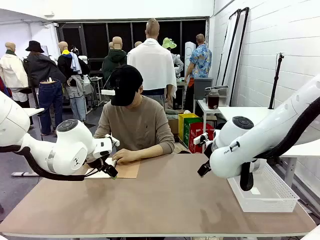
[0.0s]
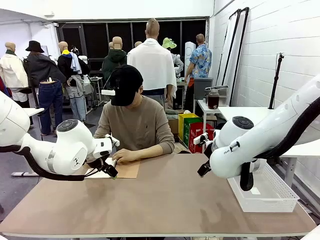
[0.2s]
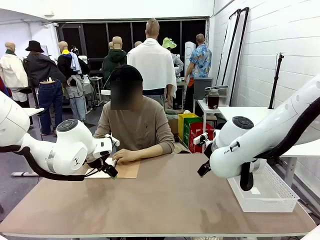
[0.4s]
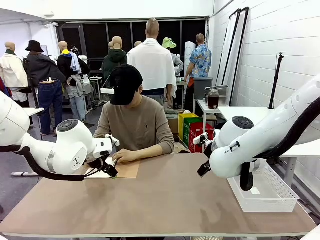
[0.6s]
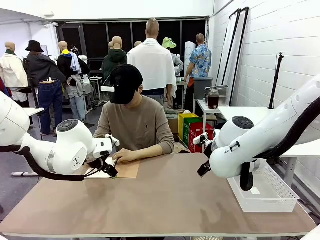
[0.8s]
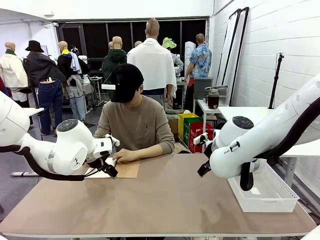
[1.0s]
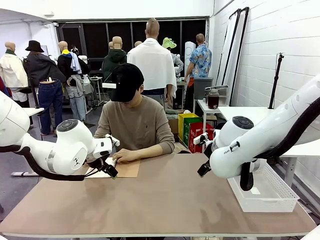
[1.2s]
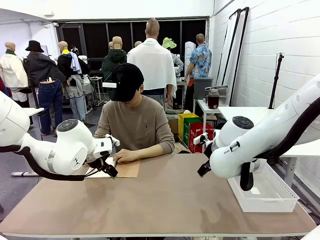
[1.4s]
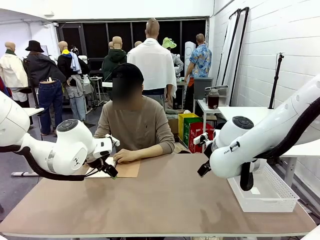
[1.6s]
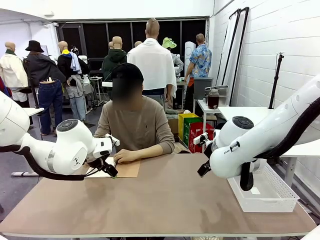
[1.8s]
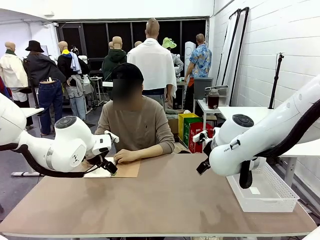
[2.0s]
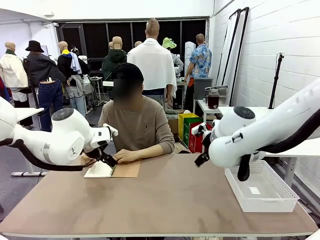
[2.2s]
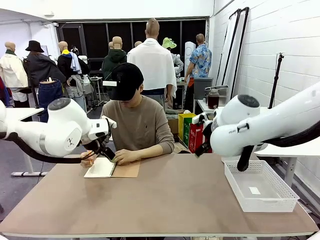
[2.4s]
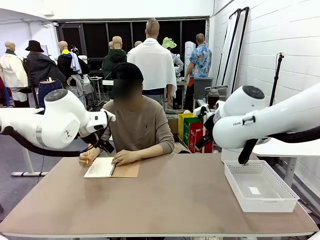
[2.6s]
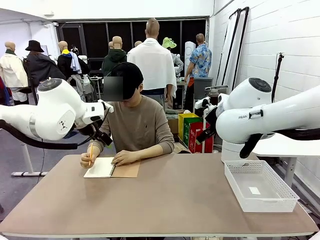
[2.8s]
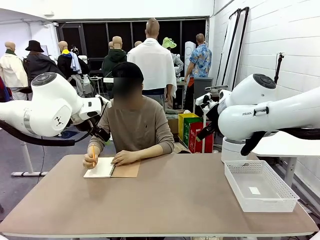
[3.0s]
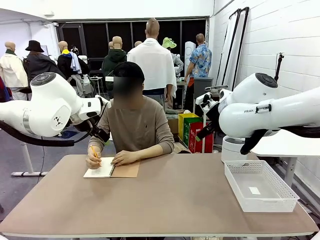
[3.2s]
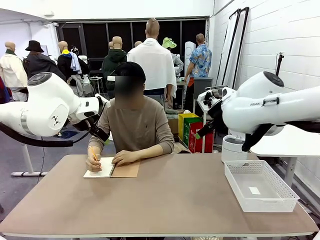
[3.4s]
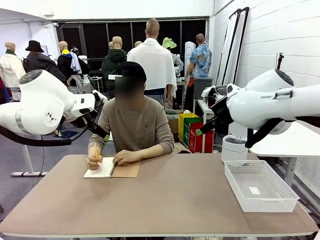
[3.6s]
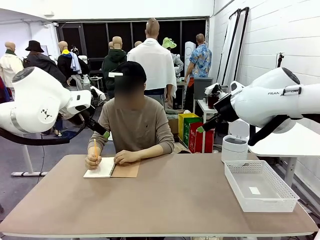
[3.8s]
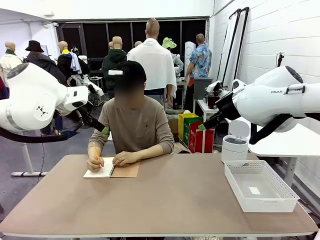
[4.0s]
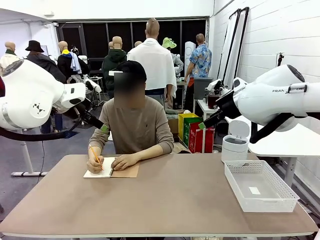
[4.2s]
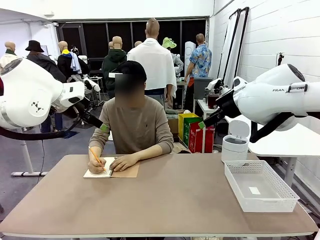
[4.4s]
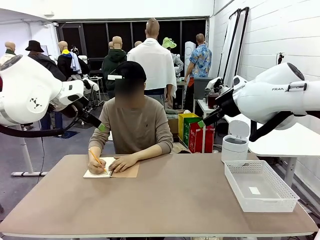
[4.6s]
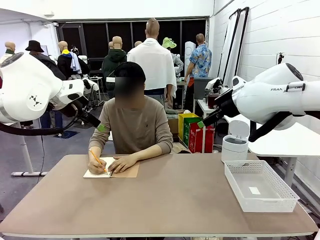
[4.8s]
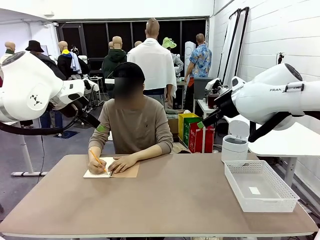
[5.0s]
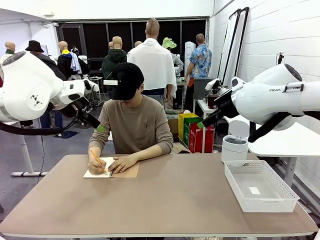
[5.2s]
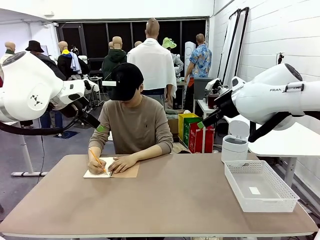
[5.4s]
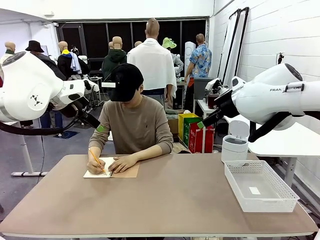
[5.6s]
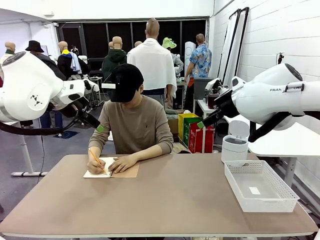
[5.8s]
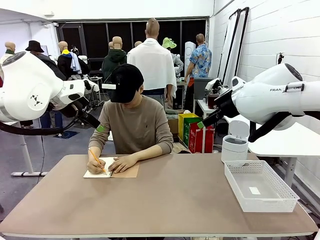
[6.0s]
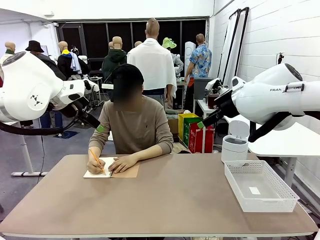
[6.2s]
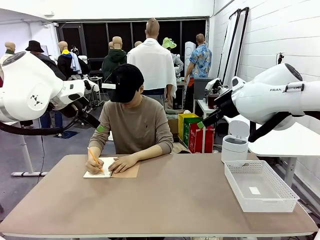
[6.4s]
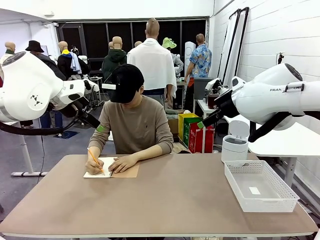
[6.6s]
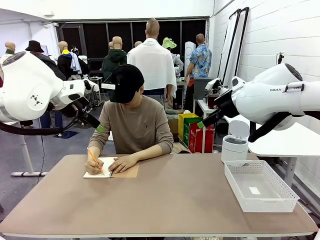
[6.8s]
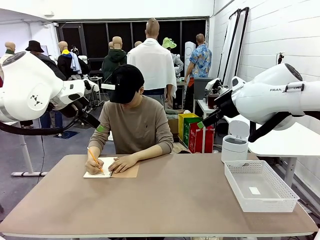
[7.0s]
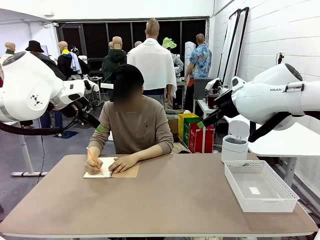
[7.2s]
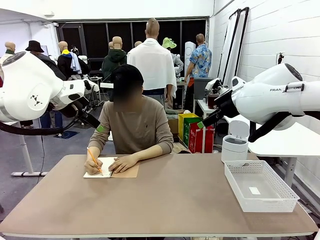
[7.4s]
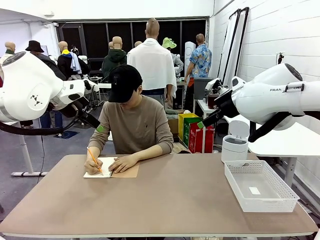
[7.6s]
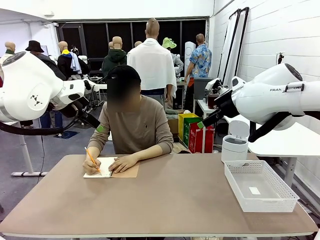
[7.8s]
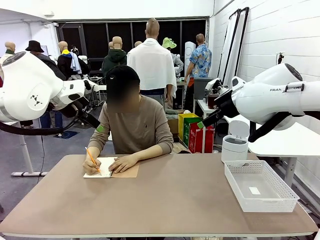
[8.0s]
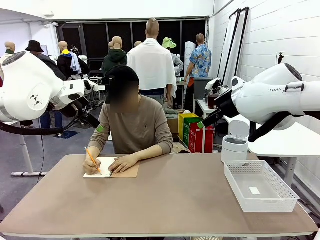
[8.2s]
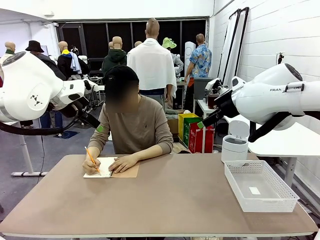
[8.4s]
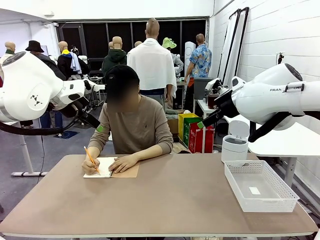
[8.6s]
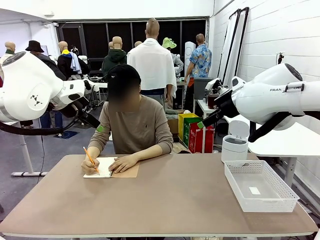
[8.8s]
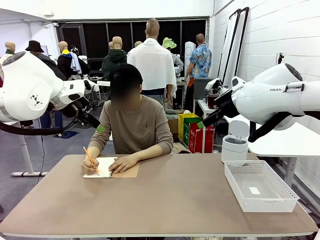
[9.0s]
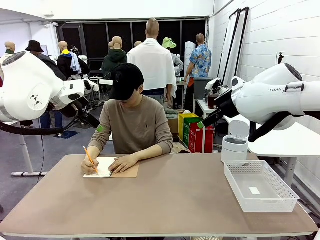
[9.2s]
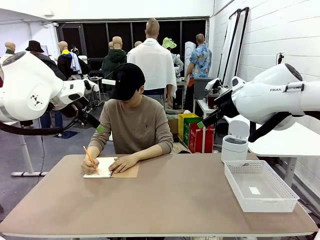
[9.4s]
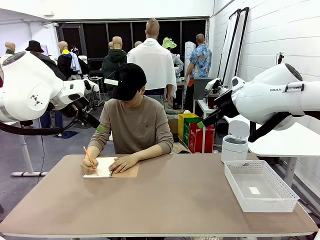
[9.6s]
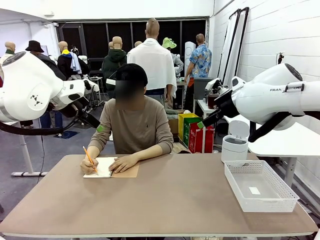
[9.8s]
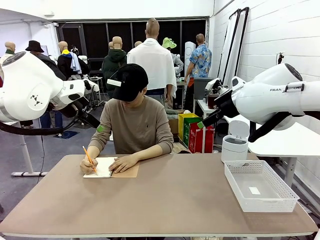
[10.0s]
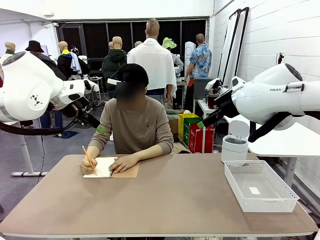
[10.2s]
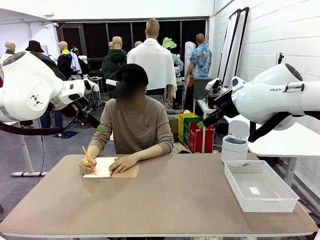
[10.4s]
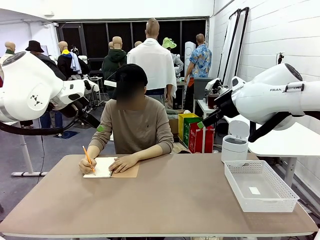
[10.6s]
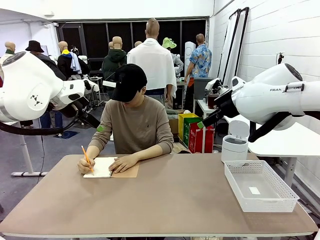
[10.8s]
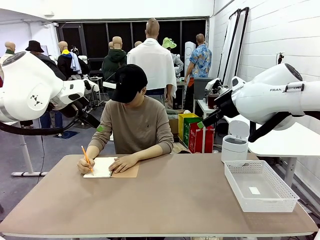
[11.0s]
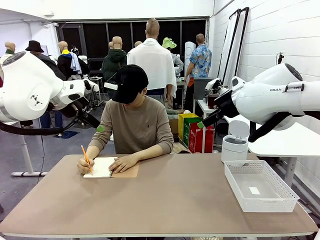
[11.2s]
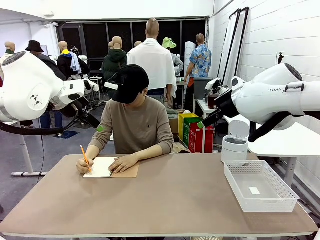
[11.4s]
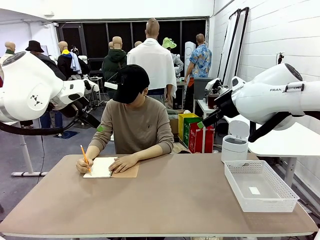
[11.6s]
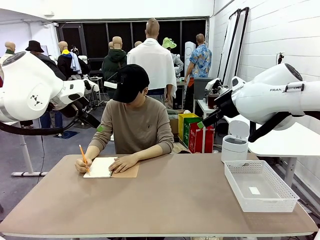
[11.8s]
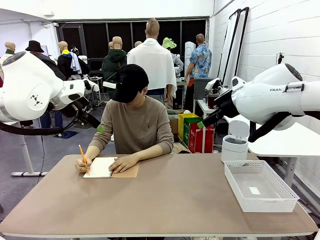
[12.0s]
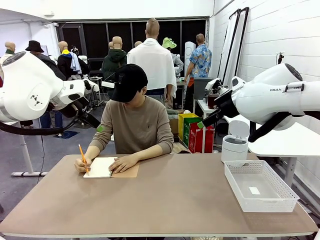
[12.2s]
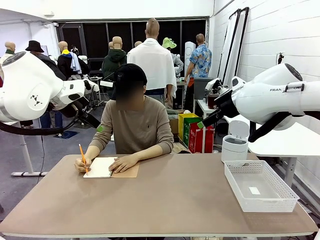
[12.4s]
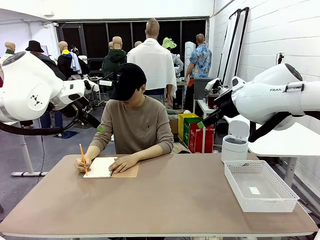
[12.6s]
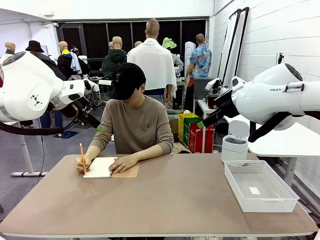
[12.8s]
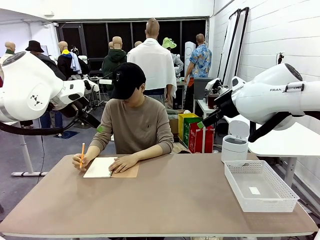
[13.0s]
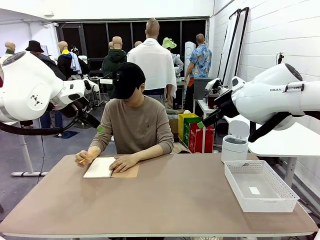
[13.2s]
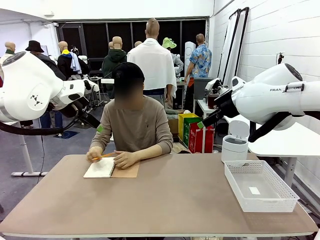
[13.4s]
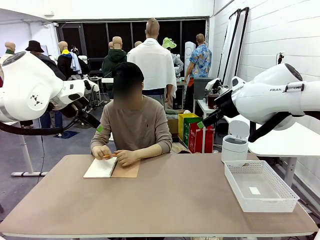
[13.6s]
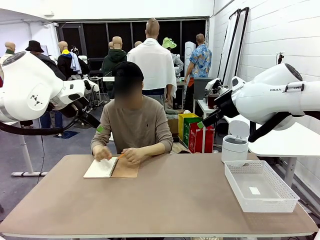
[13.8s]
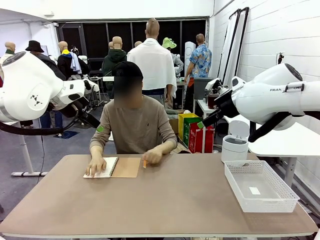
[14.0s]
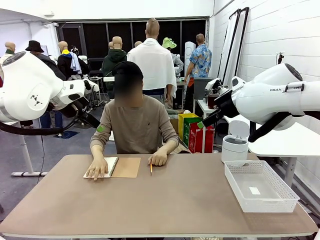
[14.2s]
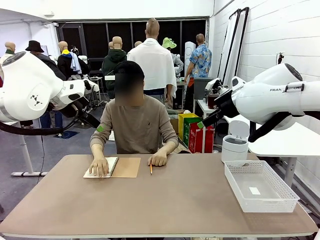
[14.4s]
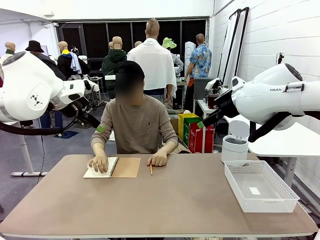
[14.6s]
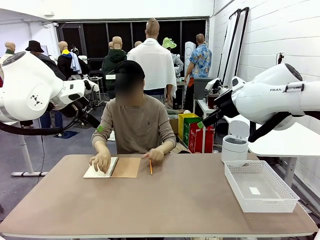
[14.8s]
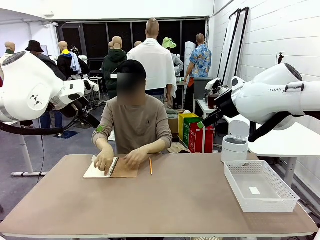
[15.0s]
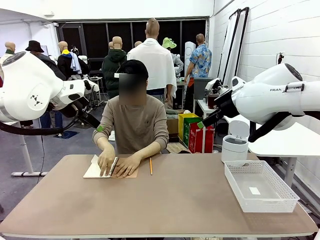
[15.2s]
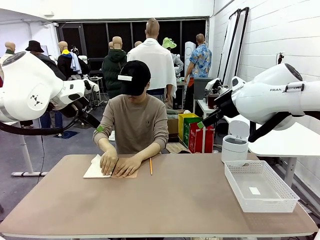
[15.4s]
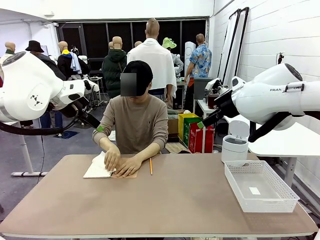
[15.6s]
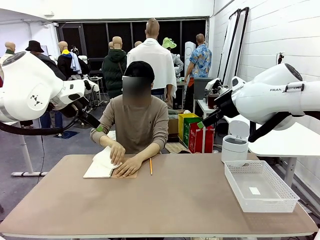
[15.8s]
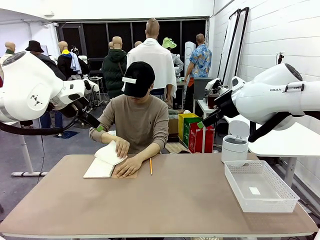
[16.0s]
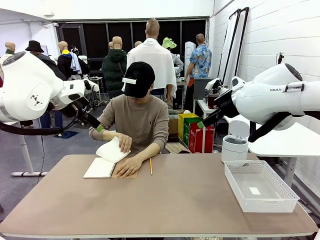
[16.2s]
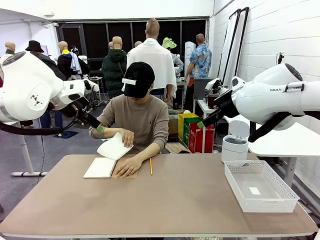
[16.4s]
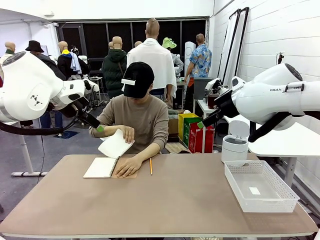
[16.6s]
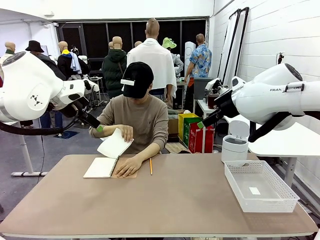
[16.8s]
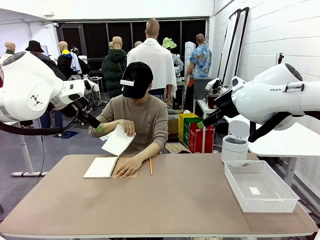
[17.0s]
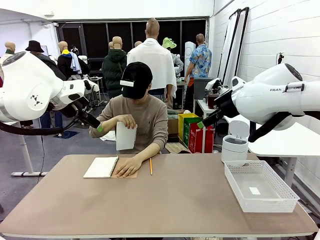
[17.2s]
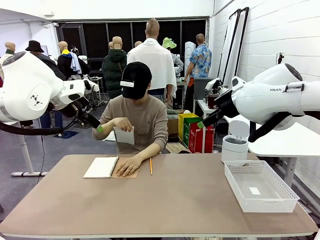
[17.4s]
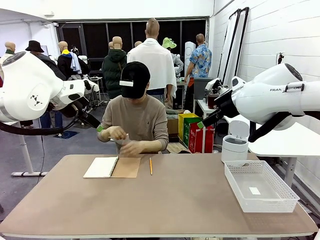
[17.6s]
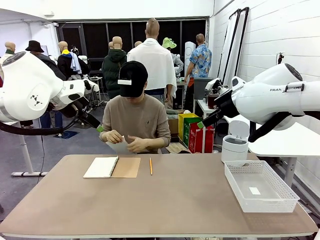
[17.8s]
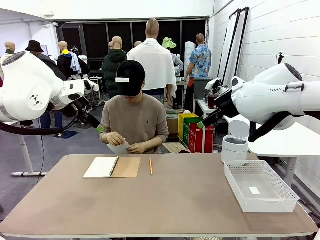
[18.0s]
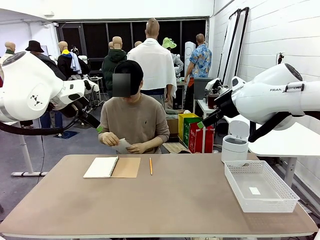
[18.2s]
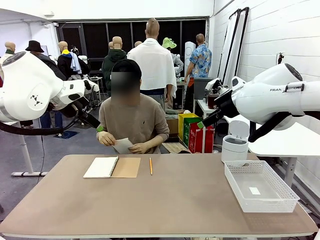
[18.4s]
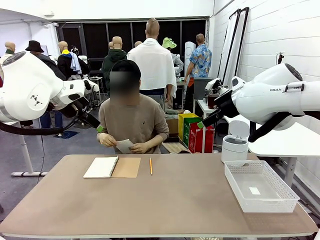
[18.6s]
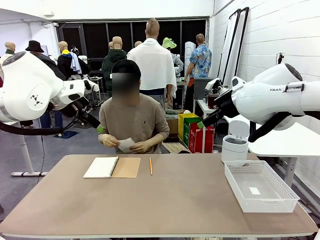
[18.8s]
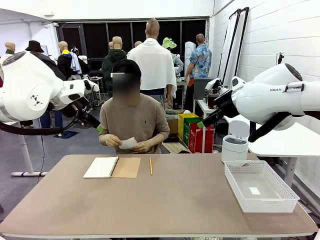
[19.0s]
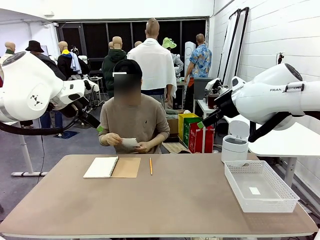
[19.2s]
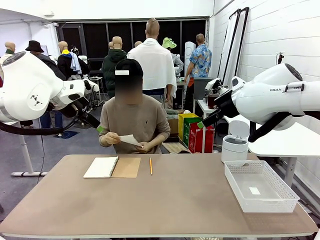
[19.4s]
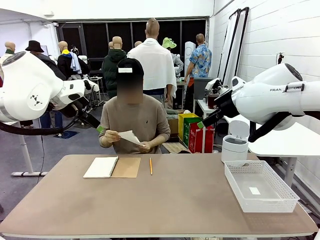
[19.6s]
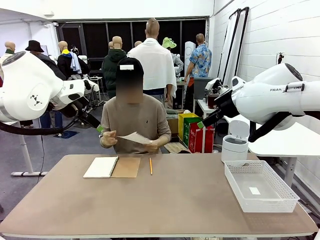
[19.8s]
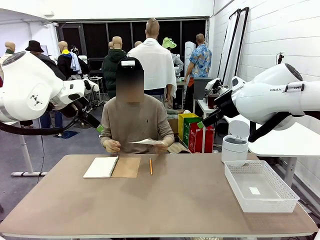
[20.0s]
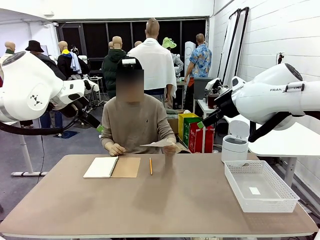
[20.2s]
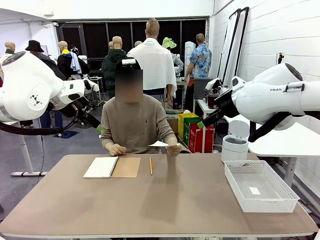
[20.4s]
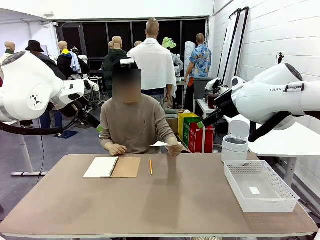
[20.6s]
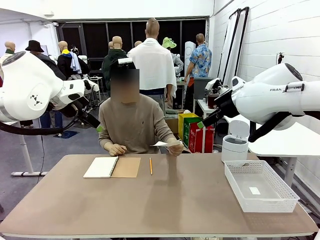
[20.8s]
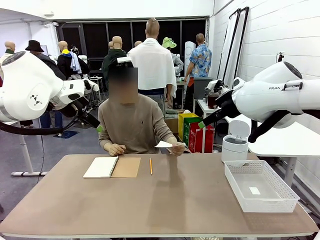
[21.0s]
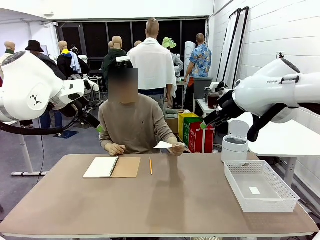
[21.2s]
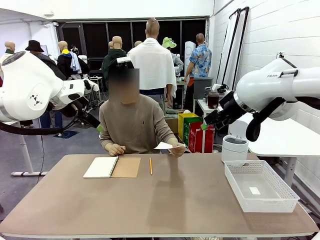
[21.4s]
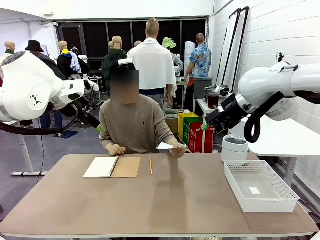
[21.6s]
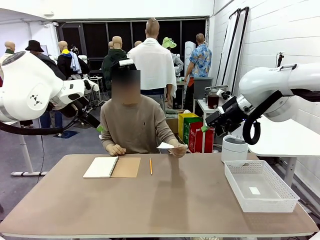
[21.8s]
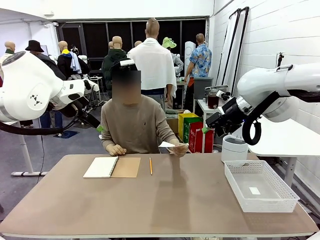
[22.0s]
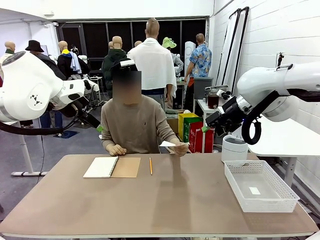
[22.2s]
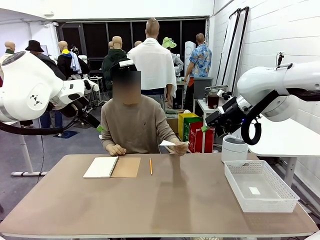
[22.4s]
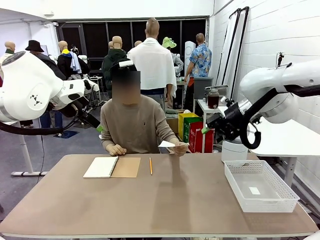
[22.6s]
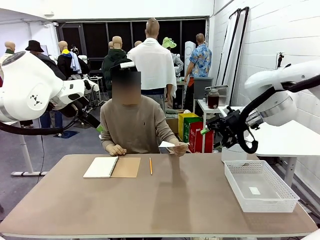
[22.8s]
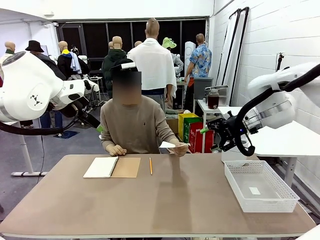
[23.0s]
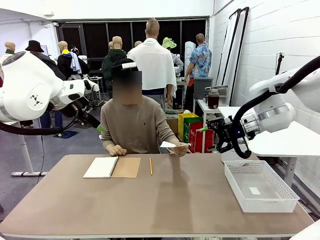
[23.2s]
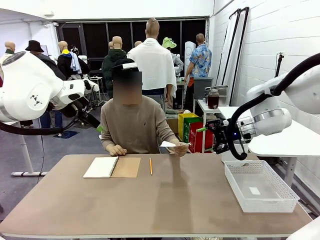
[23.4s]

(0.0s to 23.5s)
Task: Sort the paper based on its condition.
Robot: If a person hands you a paper, place it in the Organizing basket , and if it's crumpled, put it in the Trash can.
Person: Tear out a page from the spiral notebook. Hand the torn page to the robot or crumple it and throw it to the center of the table.
